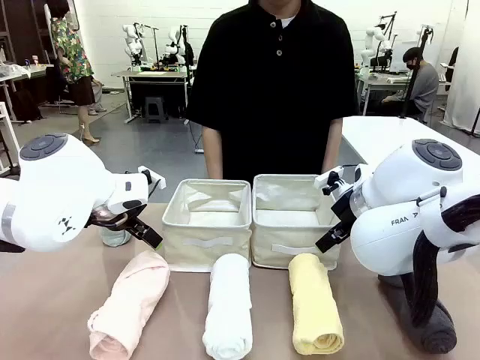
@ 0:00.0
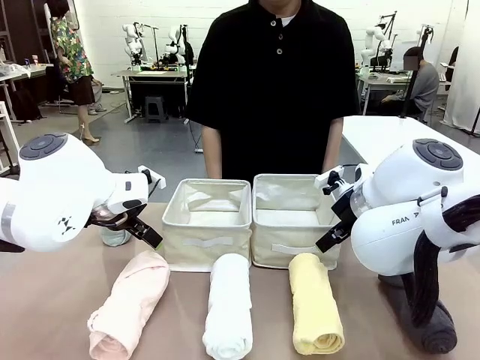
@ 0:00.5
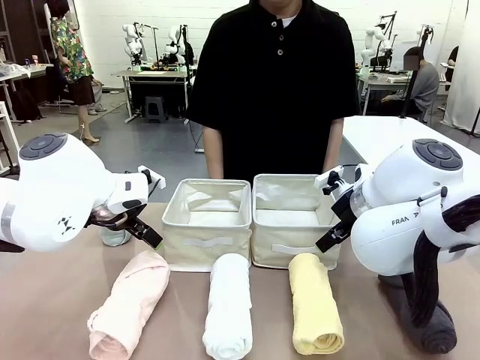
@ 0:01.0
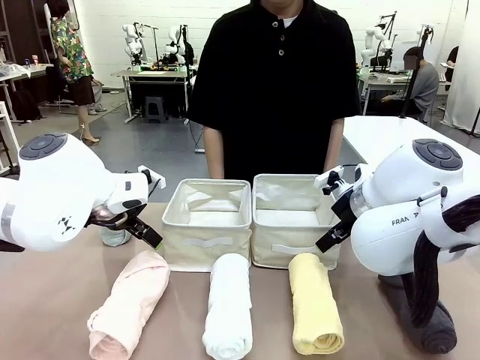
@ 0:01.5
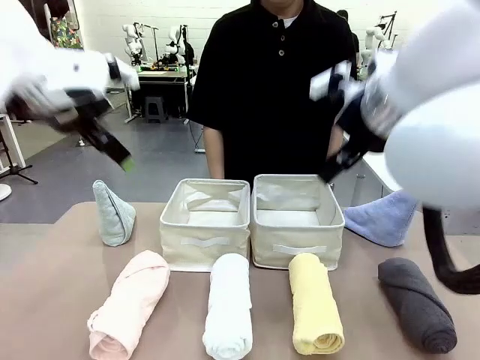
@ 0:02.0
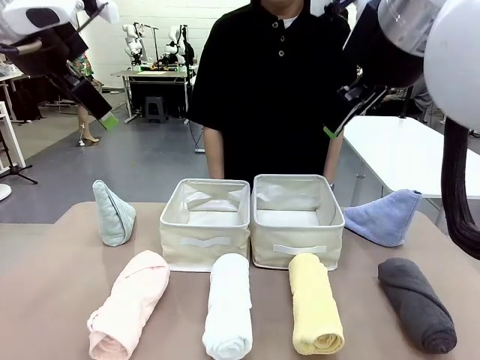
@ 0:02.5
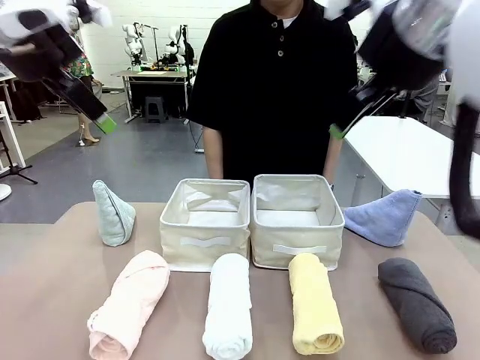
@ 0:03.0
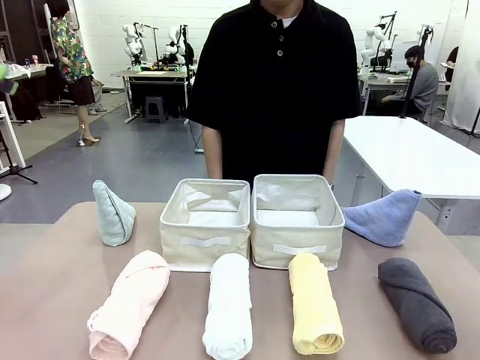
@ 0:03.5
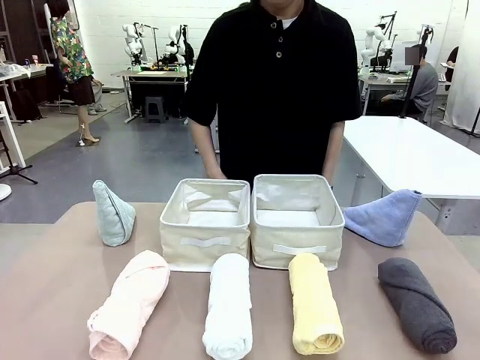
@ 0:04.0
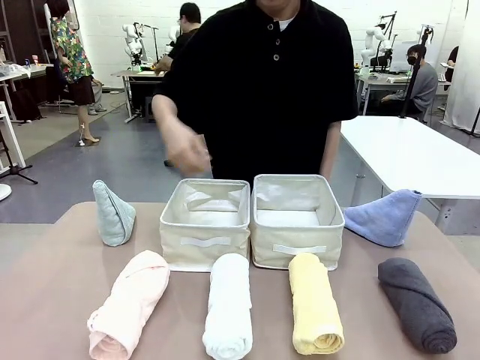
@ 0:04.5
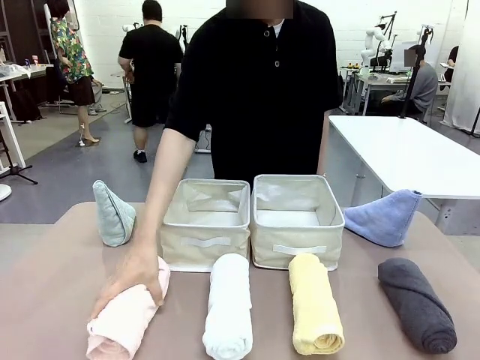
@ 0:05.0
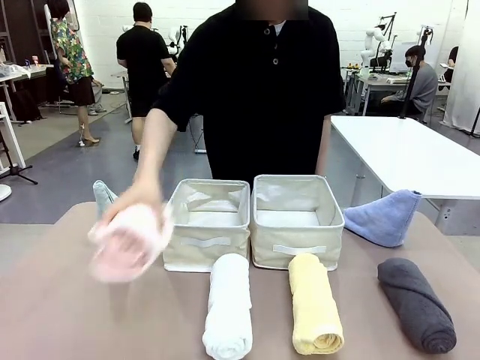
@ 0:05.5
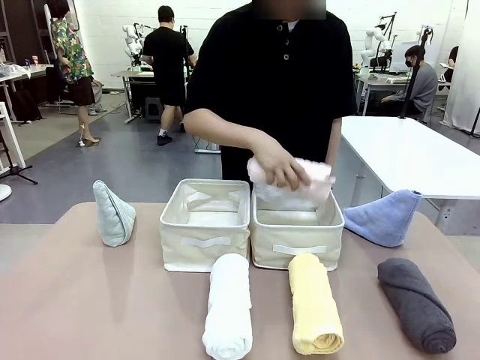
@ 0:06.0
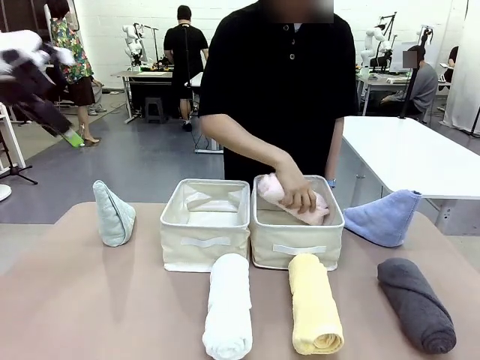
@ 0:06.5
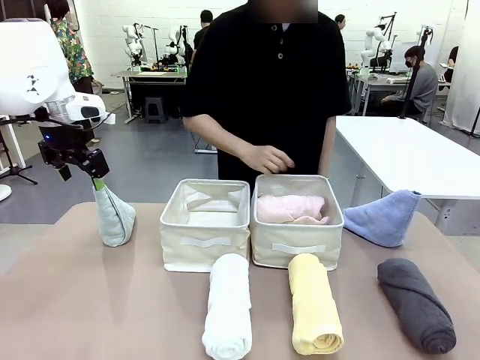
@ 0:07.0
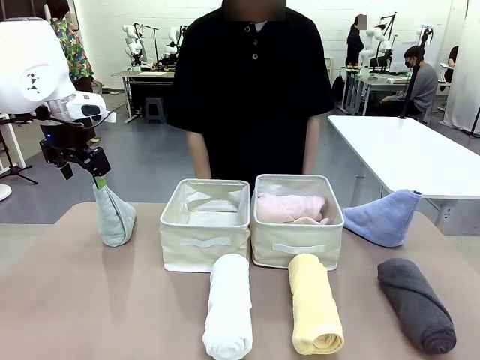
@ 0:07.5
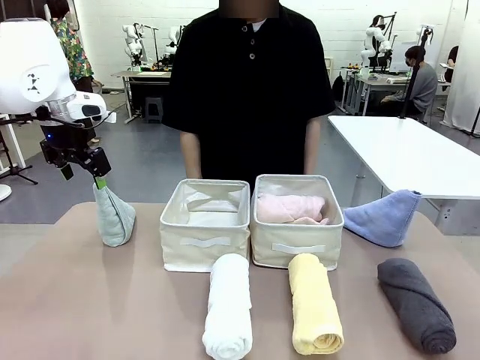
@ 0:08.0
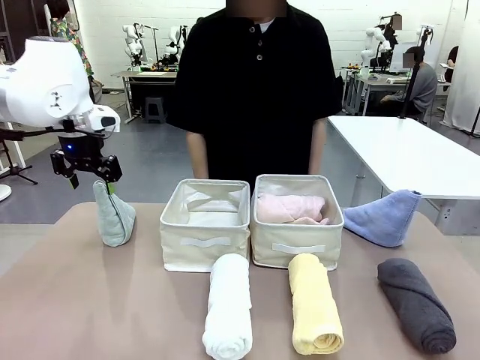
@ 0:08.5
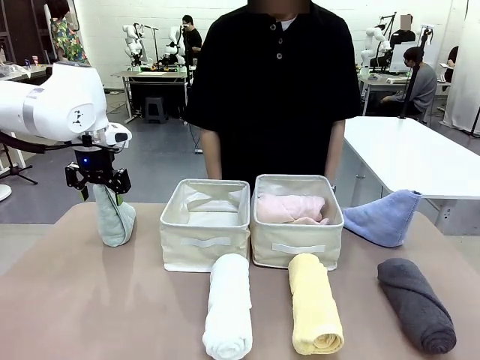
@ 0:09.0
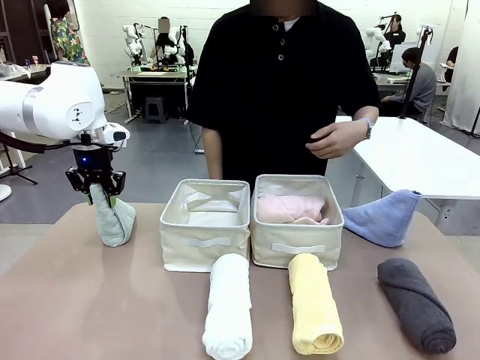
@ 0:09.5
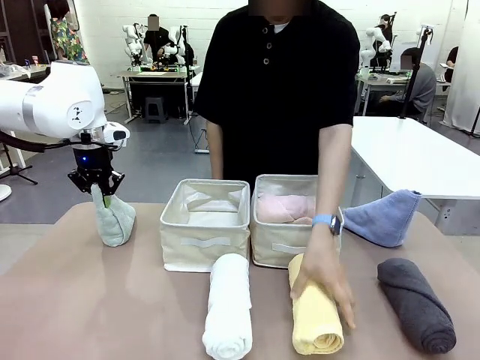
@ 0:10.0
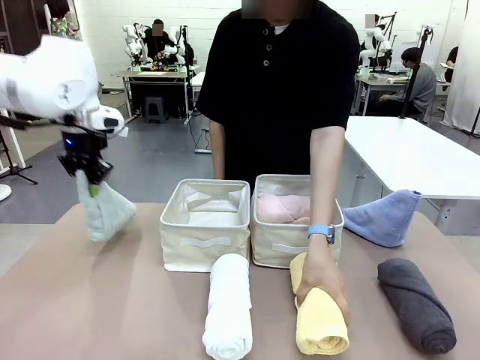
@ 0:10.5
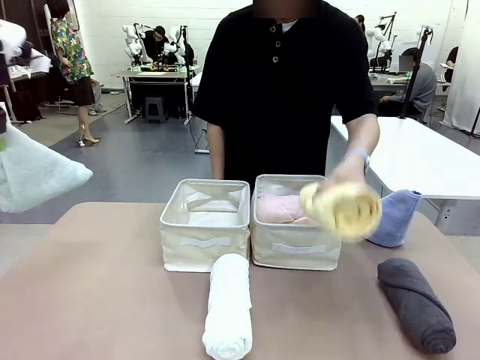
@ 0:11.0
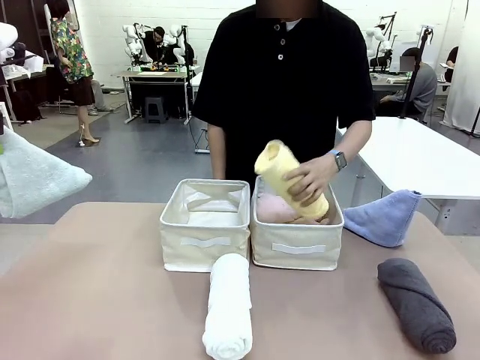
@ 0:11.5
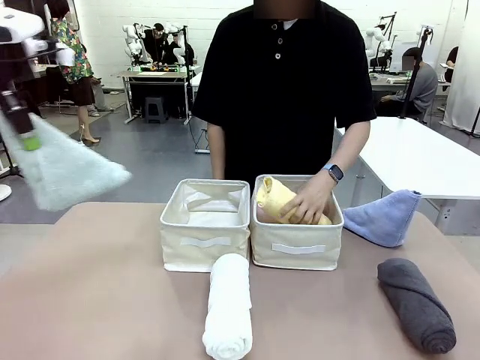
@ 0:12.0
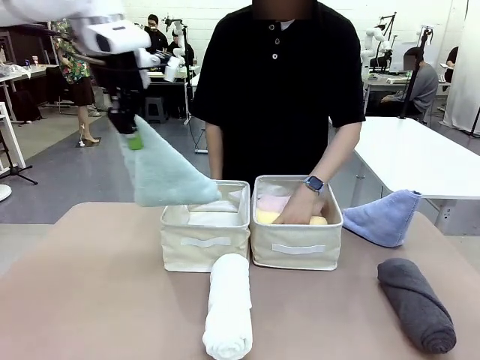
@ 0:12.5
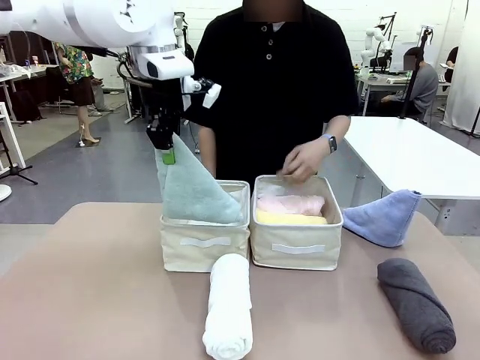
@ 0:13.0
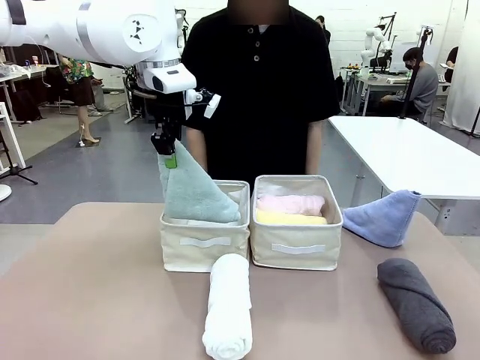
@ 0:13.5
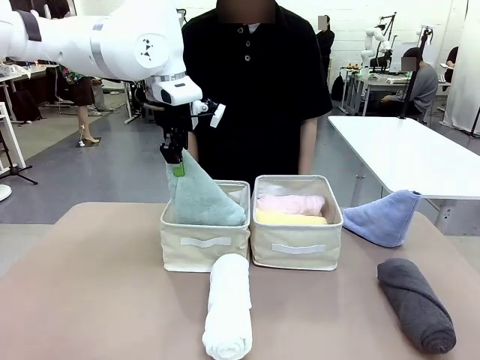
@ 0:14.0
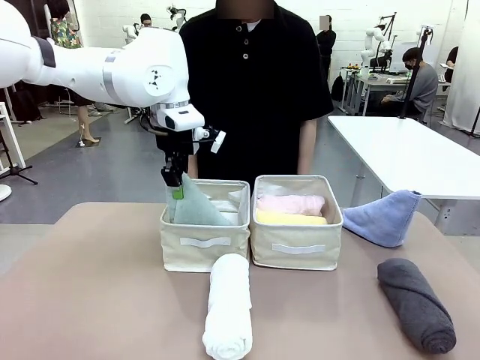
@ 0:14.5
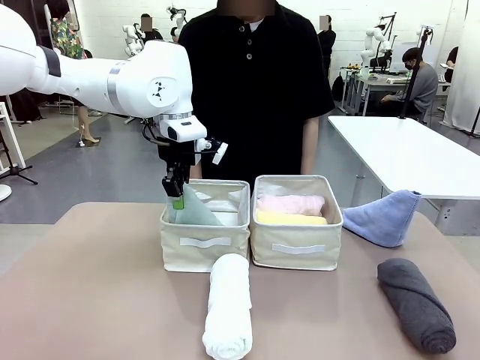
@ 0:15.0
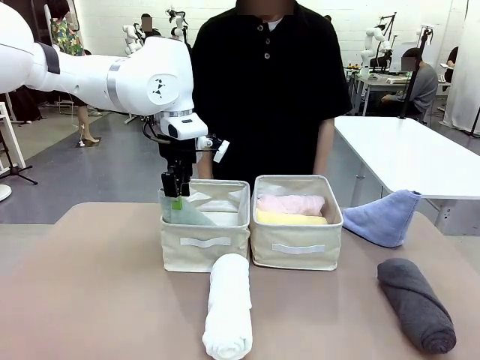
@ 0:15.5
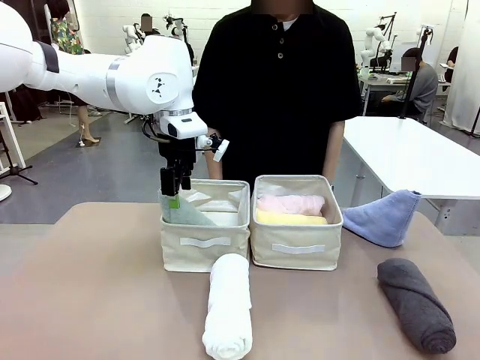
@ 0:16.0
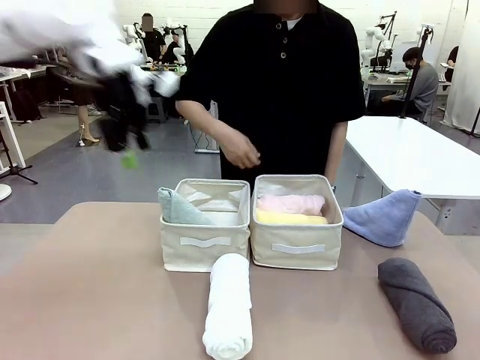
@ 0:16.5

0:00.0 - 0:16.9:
Task: Sort the towels based on their folding style.
Robot: Pick up one triangle-folded towel and place it in the left Fabric basket.
Person: Pick up one hotel-style rolled towel and place it in the left fabric basket.
